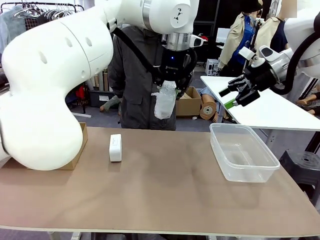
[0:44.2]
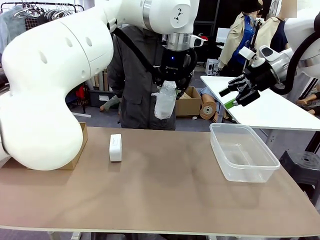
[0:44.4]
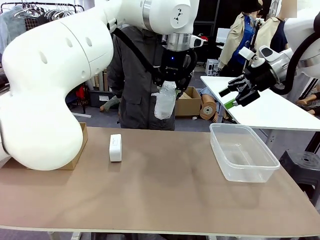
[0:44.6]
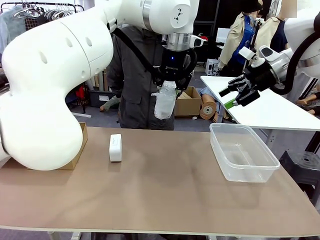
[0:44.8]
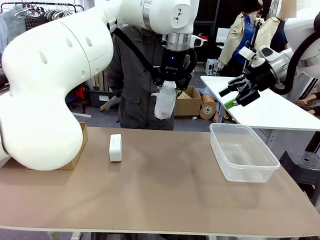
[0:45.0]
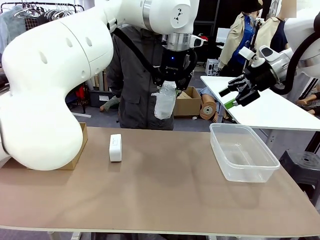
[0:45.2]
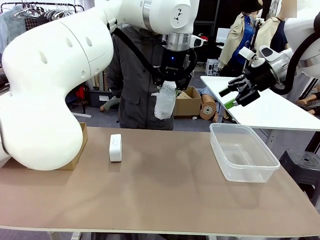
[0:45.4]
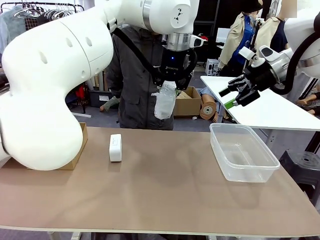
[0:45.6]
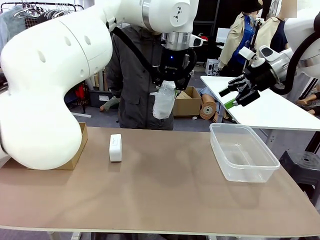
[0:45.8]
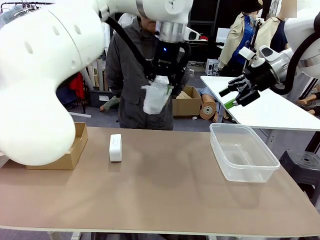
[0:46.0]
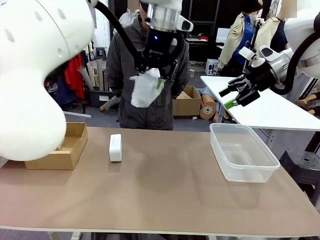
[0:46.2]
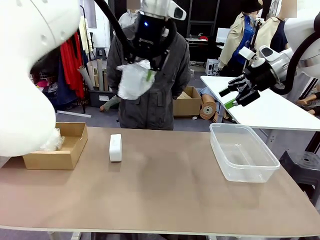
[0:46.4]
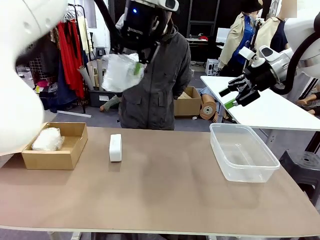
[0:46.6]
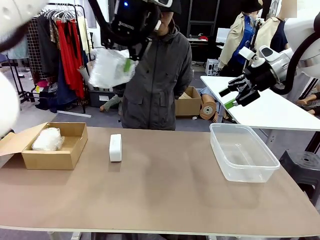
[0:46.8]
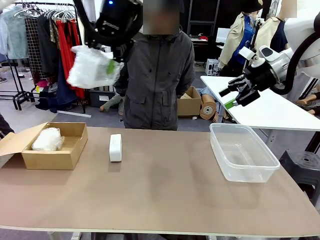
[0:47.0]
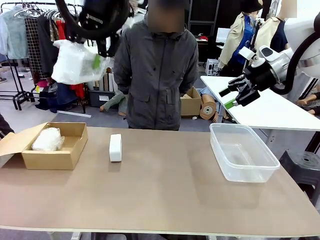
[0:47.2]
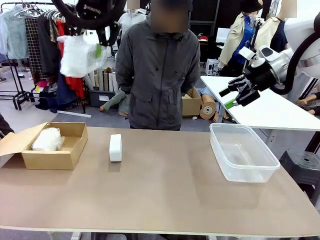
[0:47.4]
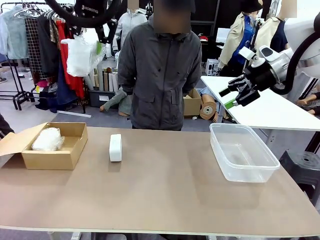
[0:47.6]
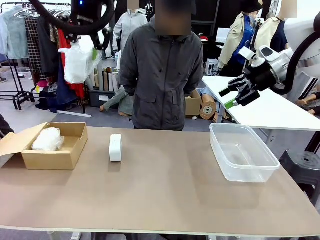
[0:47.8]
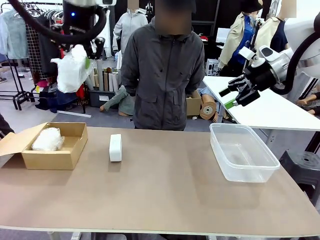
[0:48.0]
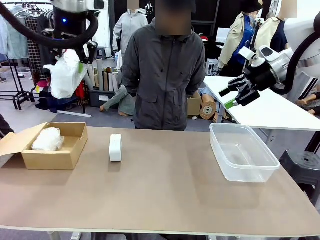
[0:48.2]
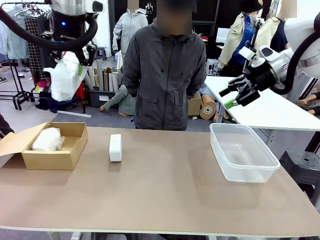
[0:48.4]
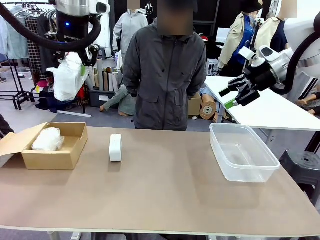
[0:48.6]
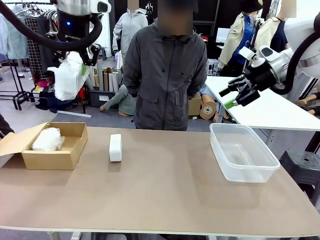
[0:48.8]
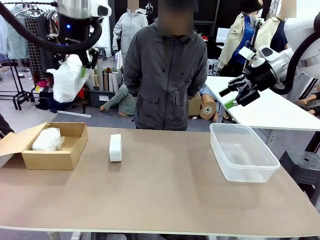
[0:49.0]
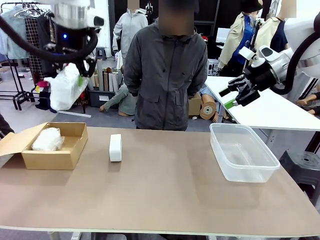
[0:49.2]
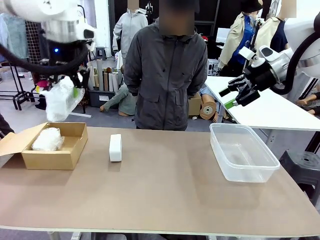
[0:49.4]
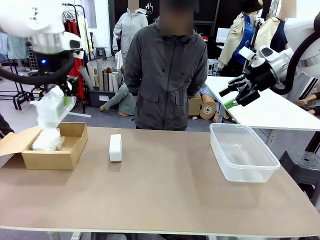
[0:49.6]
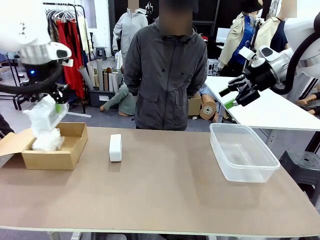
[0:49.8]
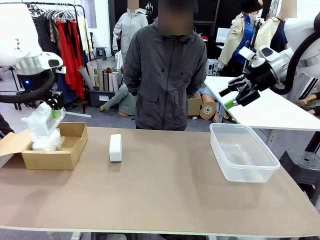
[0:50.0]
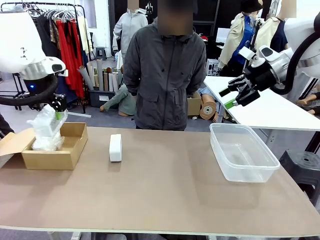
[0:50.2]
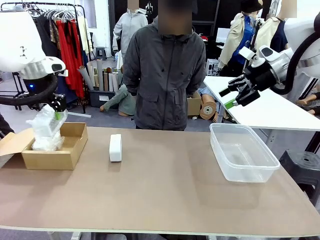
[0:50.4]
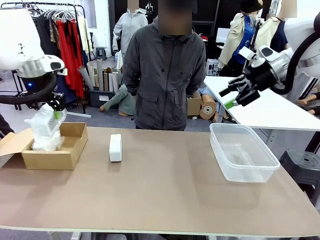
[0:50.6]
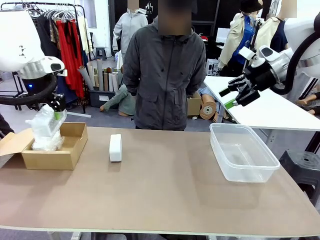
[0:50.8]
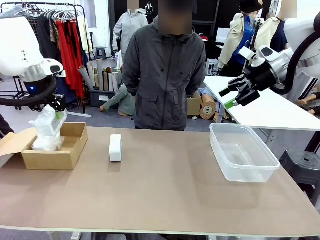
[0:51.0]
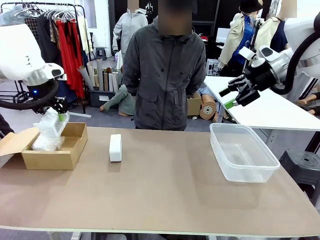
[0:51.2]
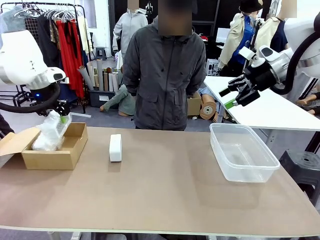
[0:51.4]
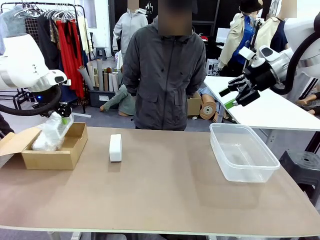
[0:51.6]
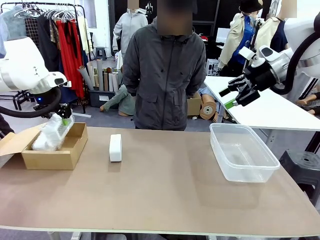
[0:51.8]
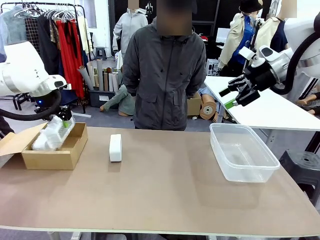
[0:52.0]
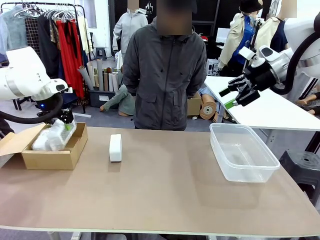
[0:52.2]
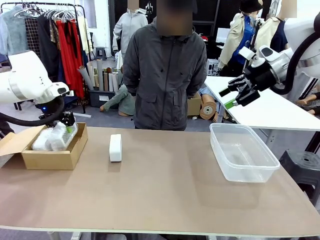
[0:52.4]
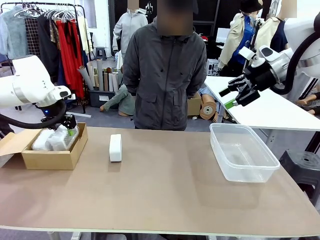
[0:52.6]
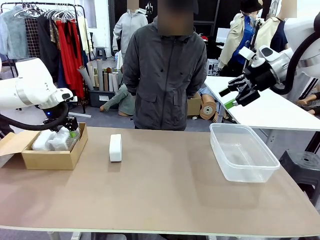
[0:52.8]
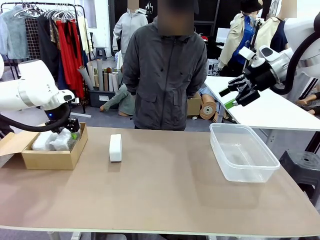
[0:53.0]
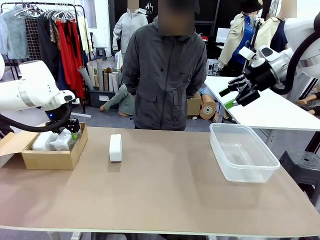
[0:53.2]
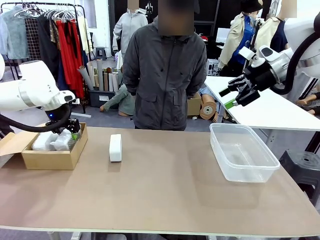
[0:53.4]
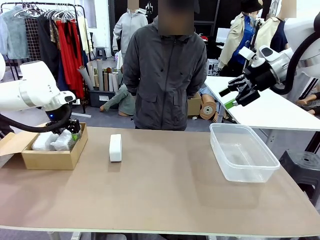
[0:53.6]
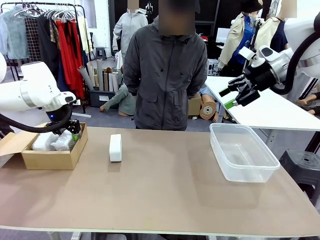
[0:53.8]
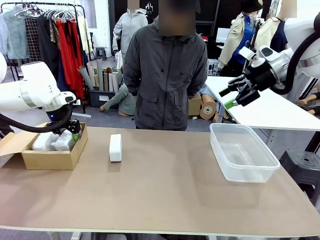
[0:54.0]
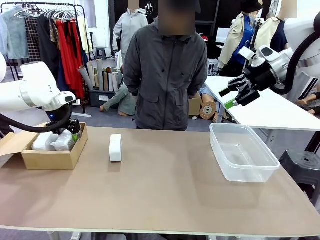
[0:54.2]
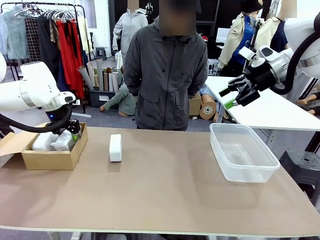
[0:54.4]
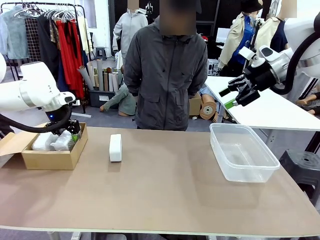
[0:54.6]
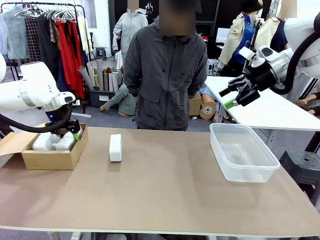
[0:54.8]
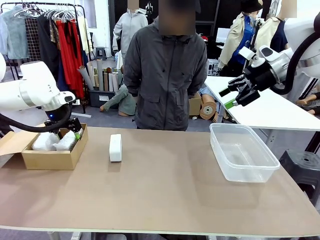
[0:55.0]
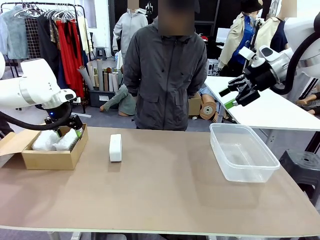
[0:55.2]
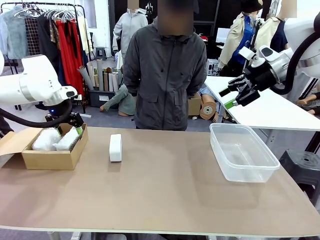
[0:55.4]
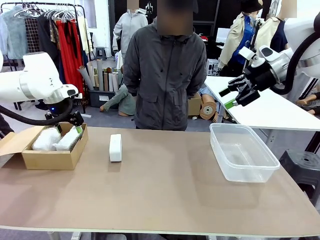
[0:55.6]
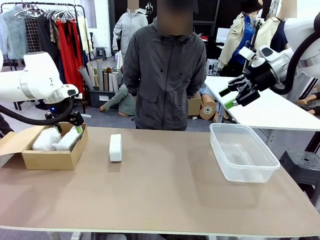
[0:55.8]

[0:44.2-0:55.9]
Task: Separate and place wrapped and unwrapped clocks.
Robot: If the picked Digital clock is wrapped, place it in the Package Box ; if not, place it in the Organizing box.

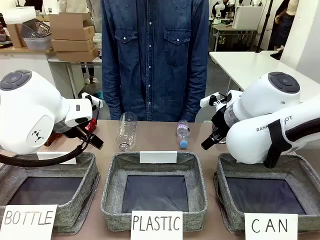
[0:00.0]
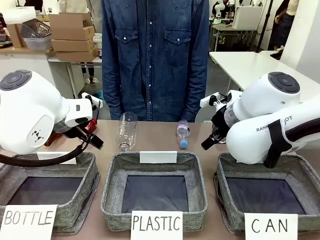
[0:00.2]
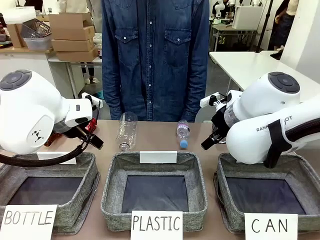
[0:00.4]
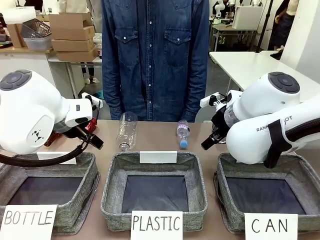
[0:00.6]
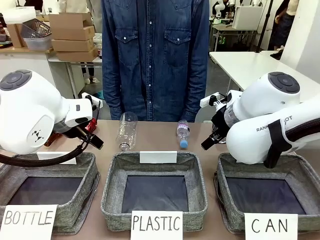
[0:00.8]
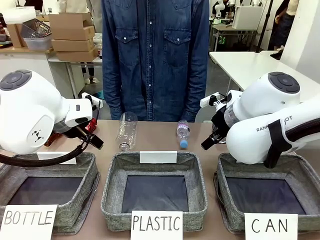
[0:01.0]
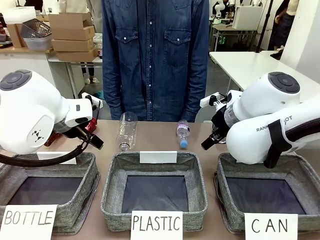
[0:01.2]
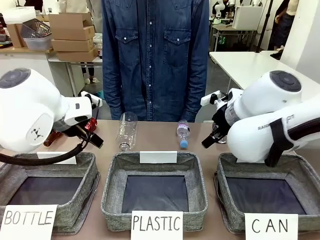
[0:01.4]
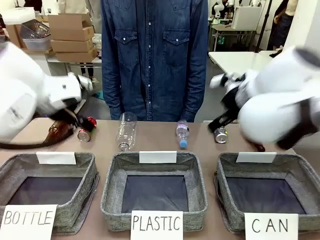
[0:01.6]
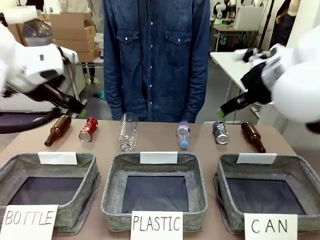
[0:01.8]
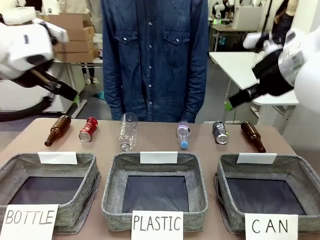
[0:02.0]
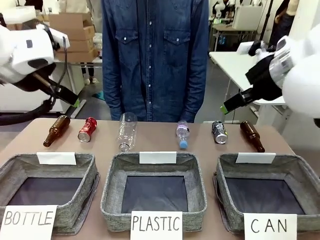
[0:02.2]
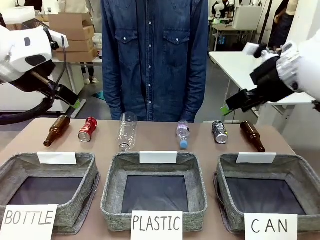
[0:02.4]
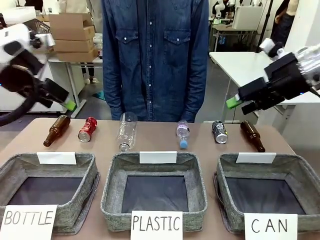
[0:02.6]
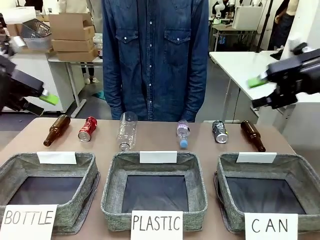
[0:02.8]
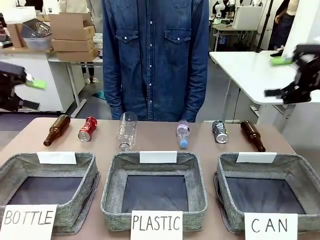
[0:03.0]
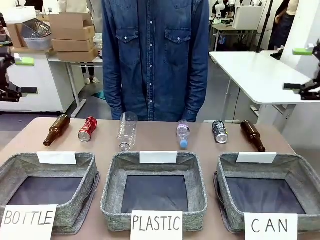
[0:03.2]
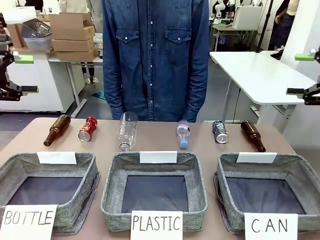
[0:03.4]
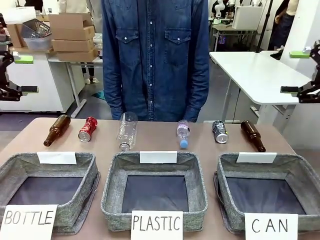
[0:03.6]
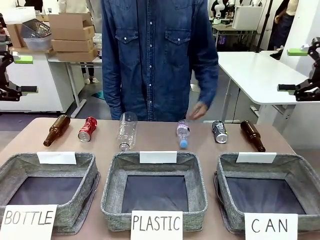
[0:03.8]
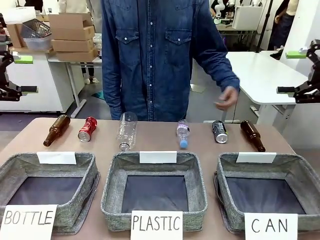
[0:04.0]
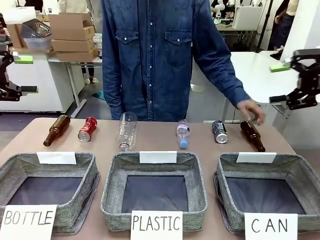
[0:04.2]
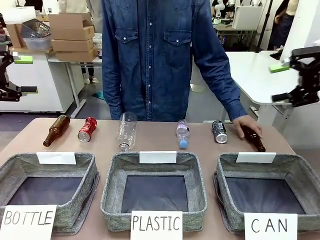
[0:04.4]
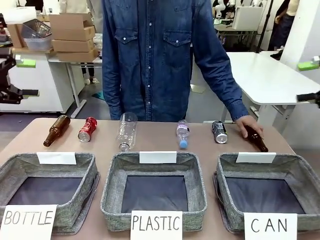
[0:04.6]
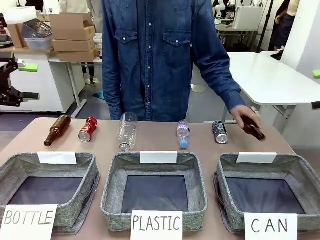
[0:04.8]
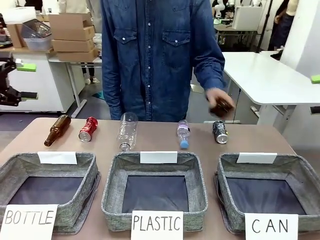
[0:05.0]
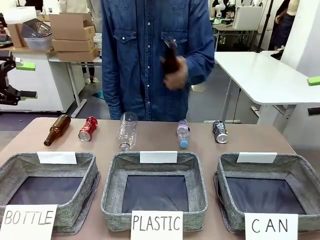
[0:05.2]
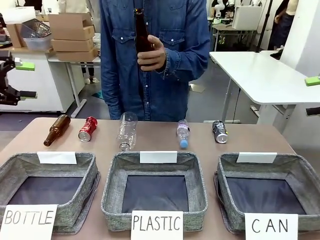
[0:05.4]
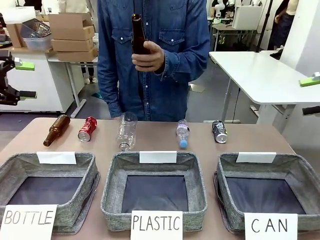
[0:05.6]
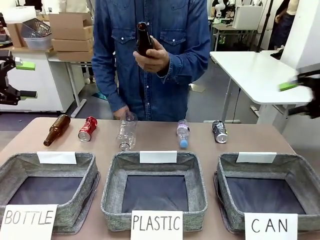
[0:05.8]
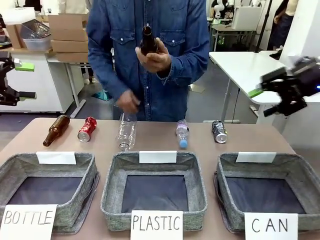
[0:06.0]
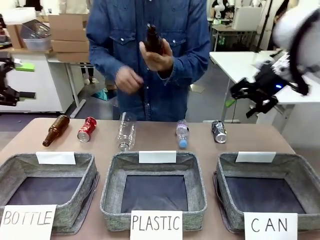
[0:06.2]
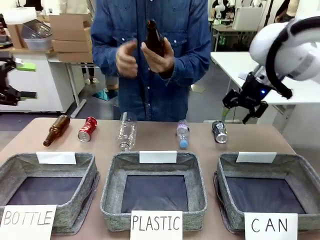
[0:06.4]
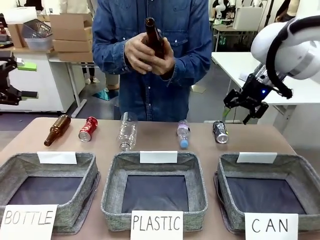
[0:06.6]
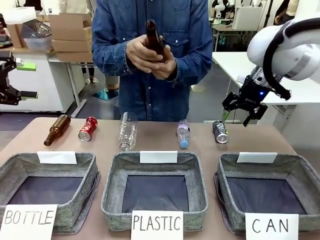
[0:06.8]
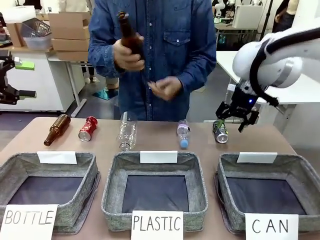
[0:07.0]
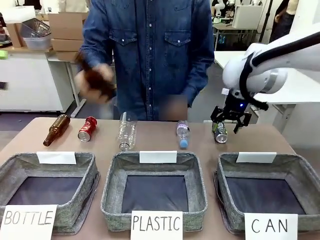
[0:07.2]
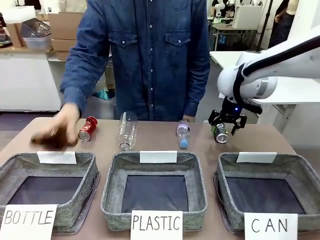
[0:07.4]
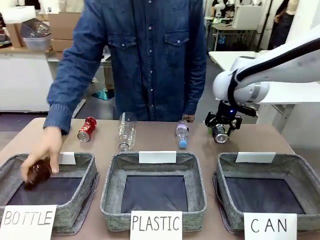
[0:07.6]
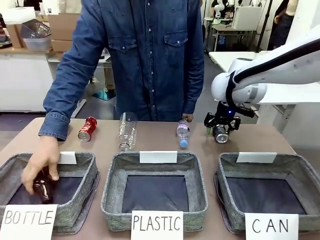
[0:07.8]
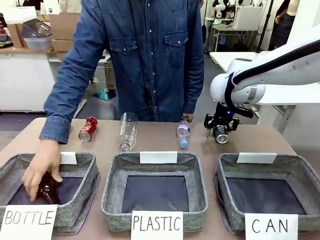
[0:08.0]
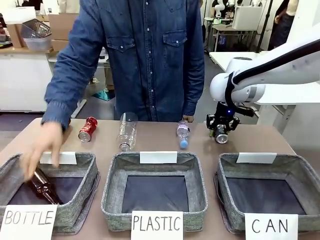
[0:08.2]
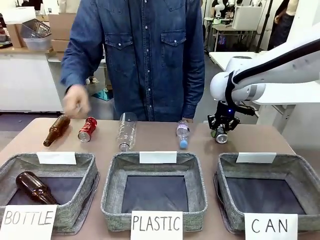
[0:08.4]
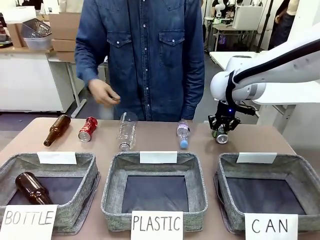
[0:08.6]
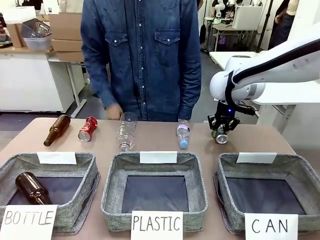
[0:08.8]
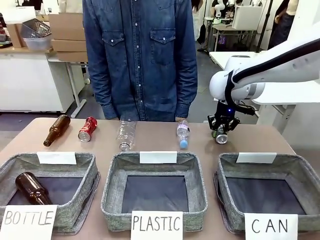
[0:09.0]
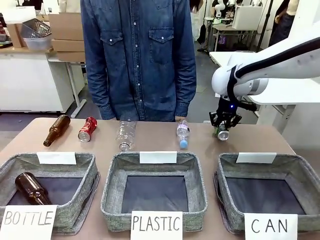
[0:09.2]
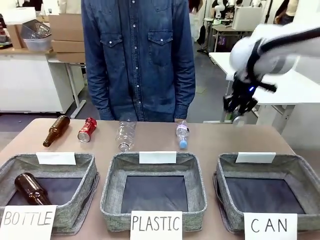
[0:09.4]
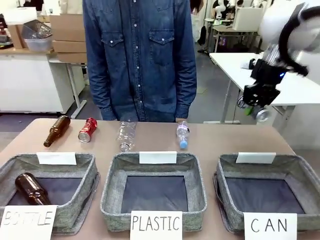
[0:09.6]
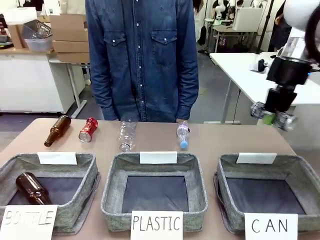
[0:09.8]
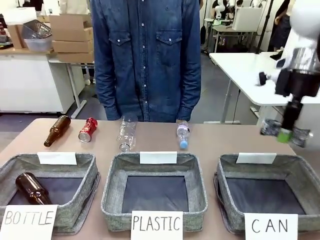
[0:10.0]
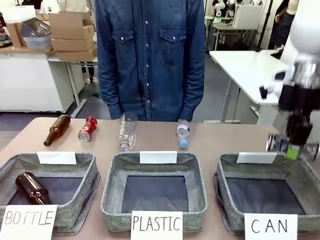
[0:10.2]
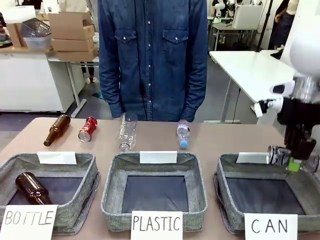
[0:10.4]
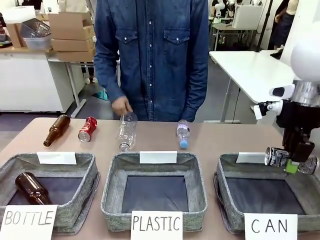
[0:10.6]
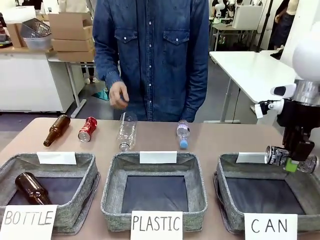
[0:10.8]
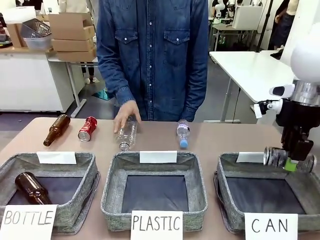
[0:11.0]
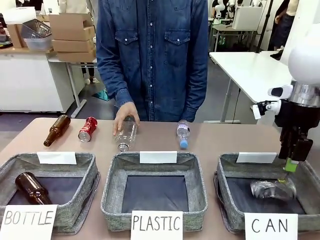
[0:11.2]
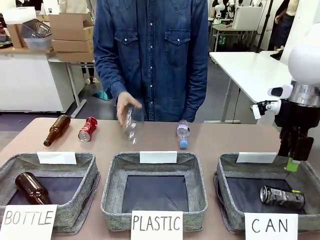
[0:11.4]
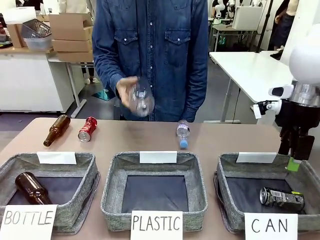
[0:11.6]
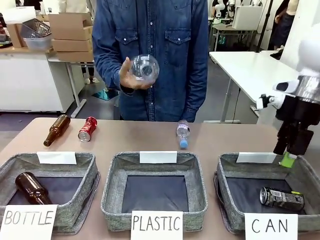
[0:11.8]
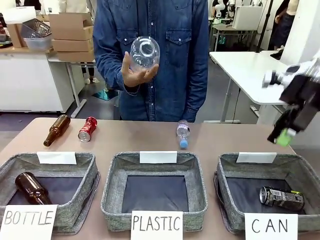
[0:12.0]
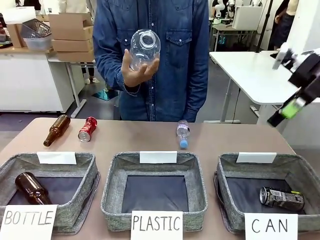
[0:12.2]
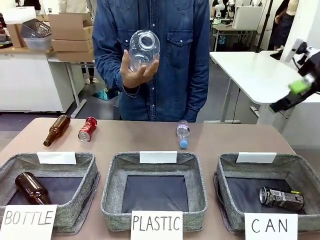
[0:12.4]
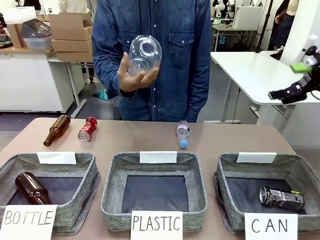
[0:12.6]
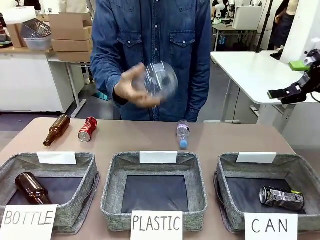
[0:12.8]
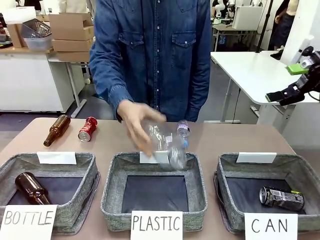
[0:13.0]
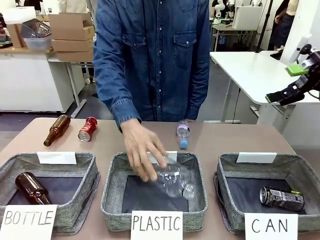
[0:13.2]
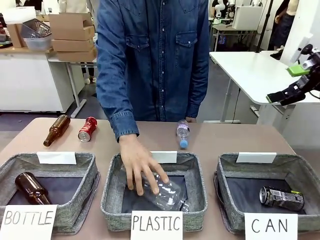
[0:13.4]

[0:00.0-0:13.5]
Task: Sort the can waste into the basket.
Robot: Pick up the can waste from the table and place it in the right Fabric basket.
